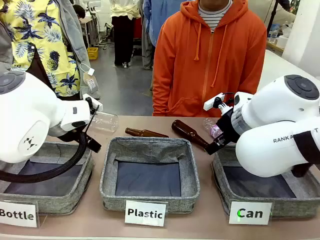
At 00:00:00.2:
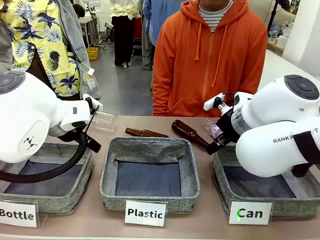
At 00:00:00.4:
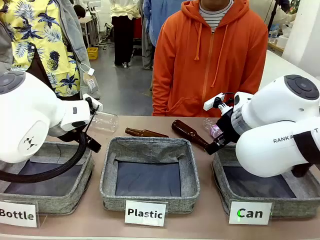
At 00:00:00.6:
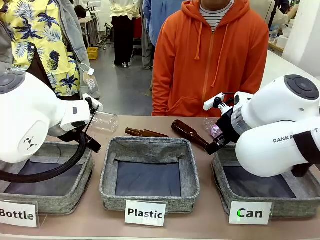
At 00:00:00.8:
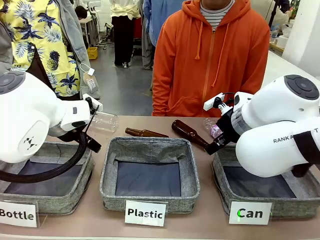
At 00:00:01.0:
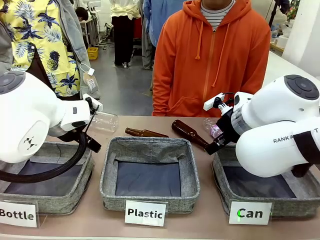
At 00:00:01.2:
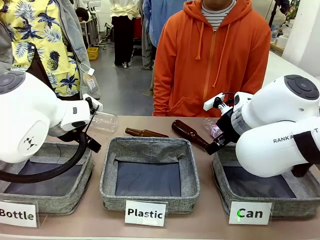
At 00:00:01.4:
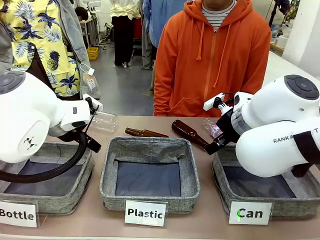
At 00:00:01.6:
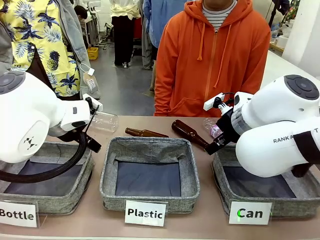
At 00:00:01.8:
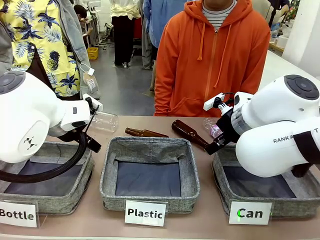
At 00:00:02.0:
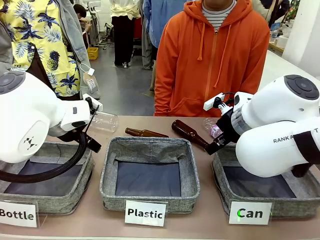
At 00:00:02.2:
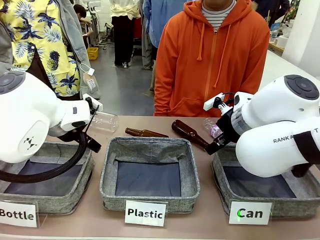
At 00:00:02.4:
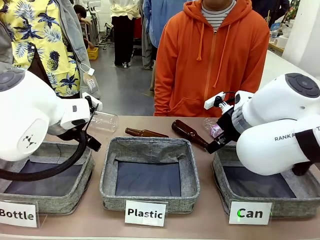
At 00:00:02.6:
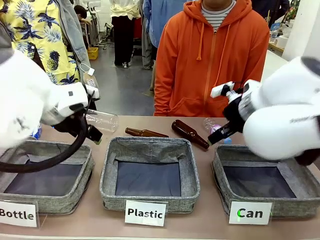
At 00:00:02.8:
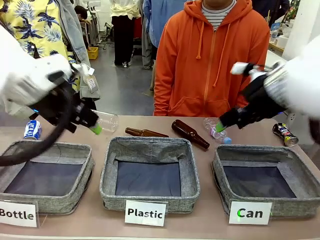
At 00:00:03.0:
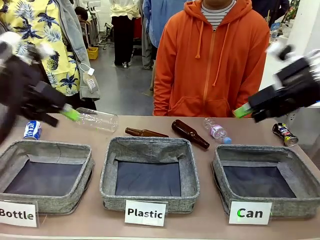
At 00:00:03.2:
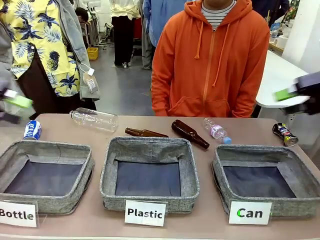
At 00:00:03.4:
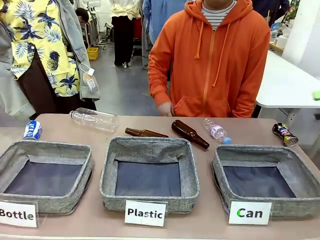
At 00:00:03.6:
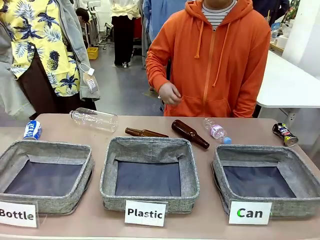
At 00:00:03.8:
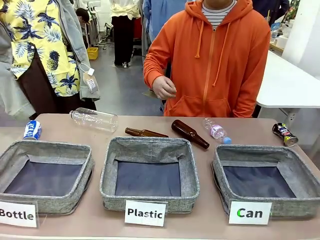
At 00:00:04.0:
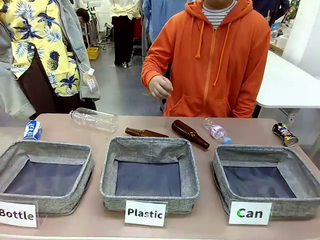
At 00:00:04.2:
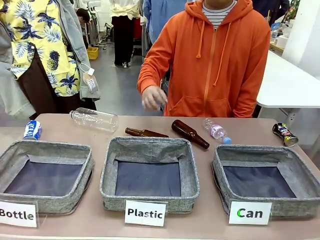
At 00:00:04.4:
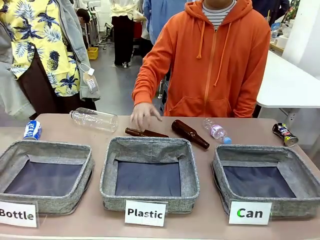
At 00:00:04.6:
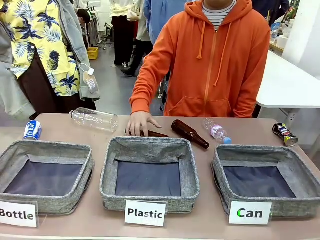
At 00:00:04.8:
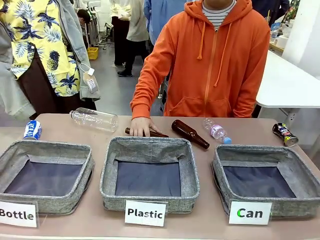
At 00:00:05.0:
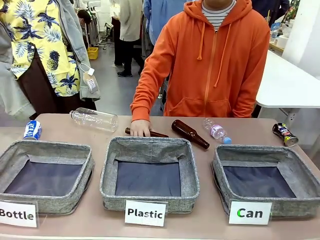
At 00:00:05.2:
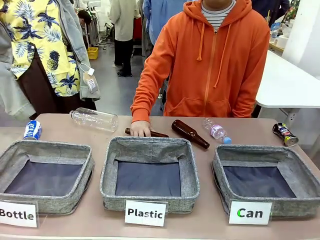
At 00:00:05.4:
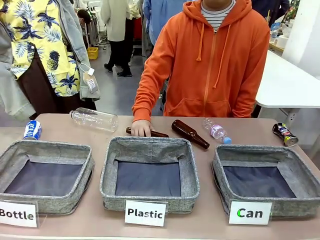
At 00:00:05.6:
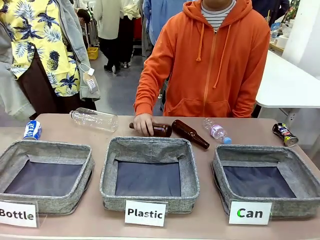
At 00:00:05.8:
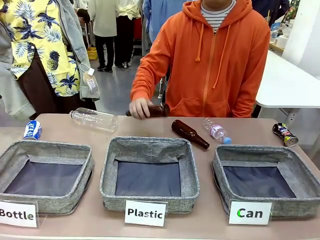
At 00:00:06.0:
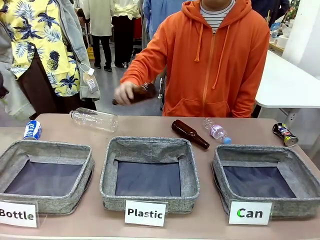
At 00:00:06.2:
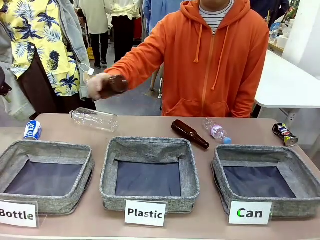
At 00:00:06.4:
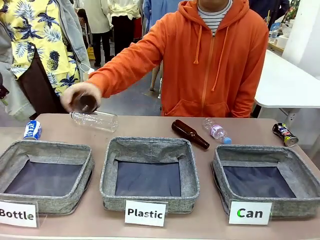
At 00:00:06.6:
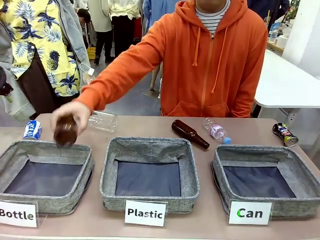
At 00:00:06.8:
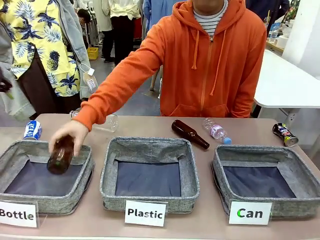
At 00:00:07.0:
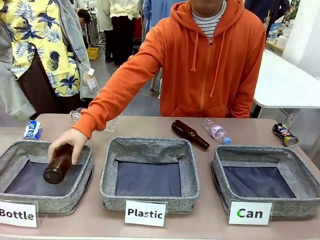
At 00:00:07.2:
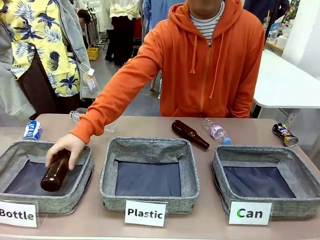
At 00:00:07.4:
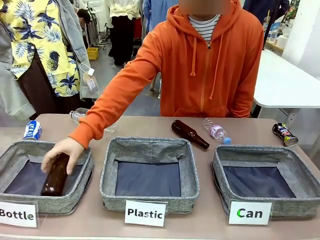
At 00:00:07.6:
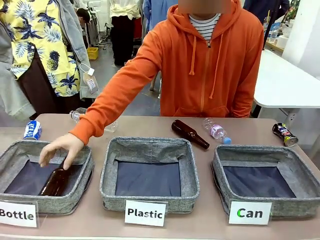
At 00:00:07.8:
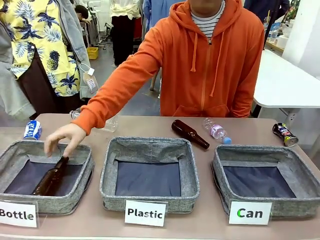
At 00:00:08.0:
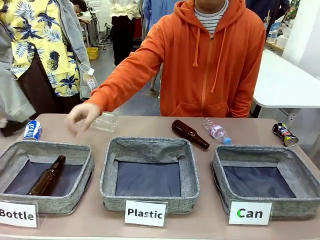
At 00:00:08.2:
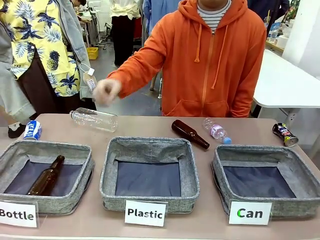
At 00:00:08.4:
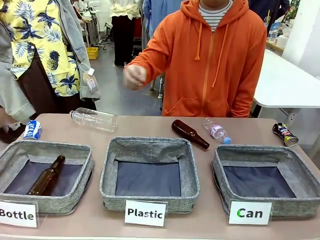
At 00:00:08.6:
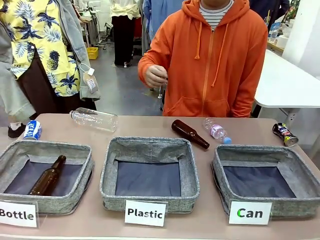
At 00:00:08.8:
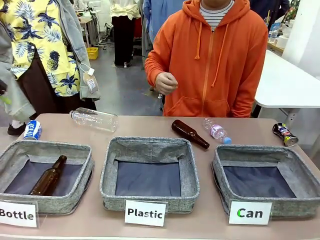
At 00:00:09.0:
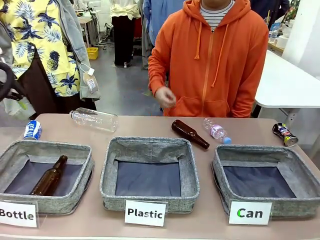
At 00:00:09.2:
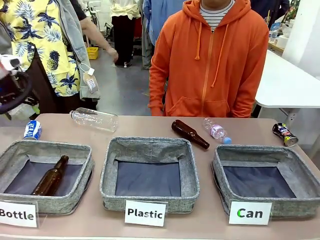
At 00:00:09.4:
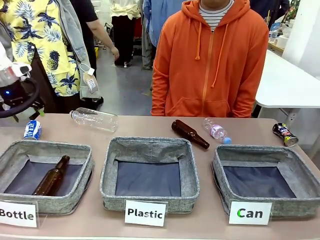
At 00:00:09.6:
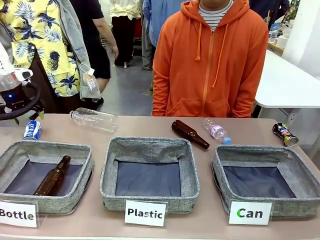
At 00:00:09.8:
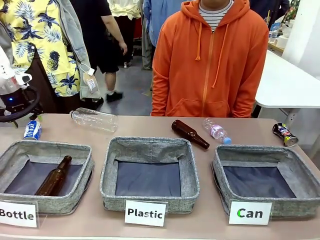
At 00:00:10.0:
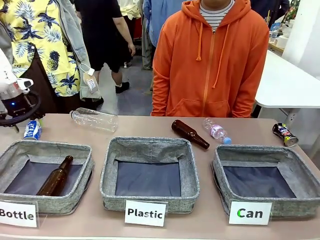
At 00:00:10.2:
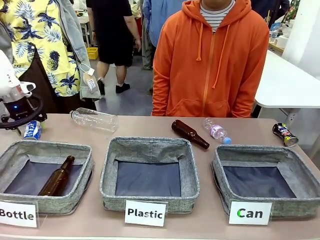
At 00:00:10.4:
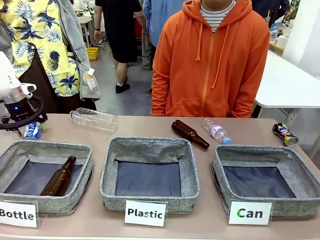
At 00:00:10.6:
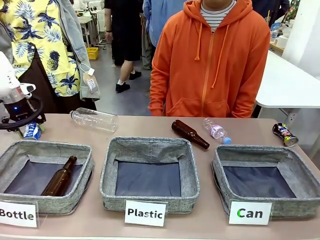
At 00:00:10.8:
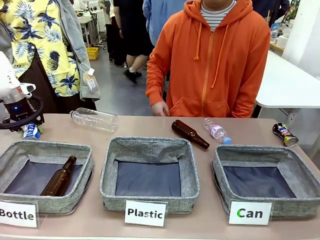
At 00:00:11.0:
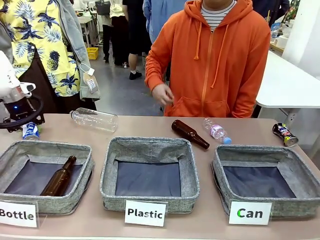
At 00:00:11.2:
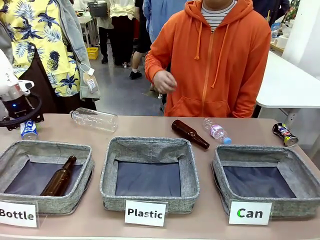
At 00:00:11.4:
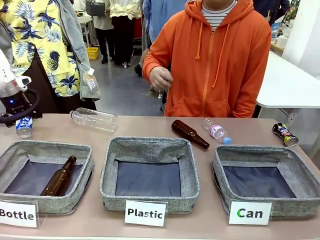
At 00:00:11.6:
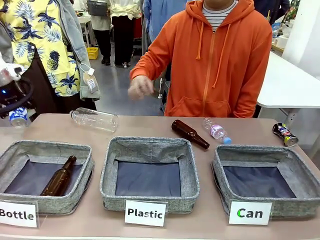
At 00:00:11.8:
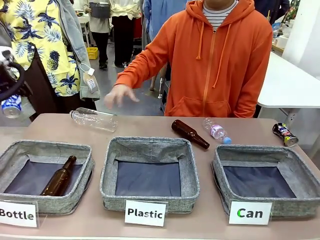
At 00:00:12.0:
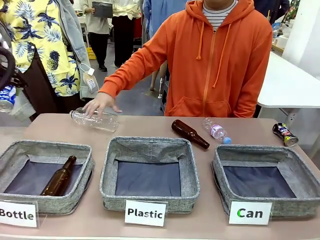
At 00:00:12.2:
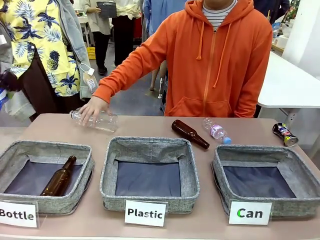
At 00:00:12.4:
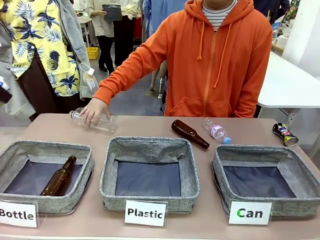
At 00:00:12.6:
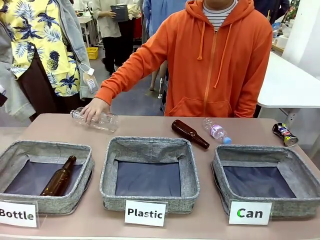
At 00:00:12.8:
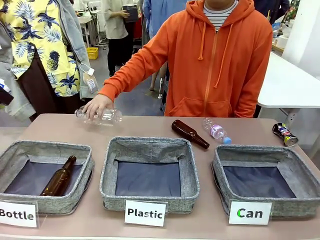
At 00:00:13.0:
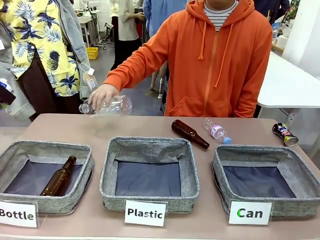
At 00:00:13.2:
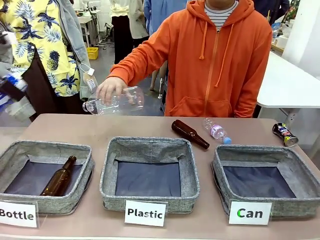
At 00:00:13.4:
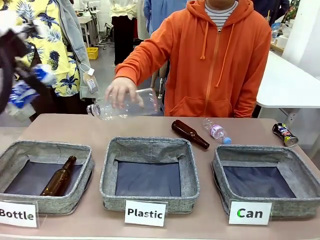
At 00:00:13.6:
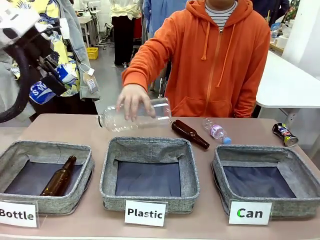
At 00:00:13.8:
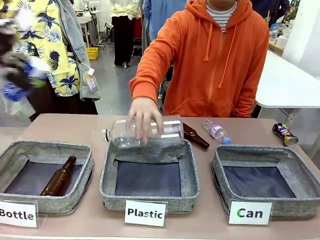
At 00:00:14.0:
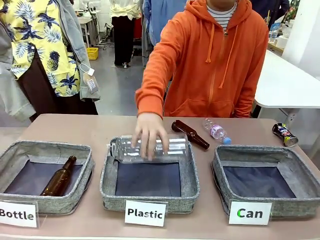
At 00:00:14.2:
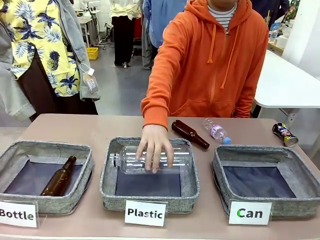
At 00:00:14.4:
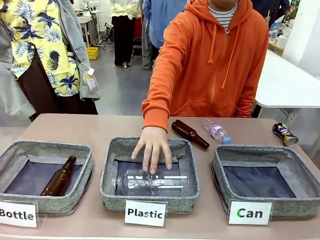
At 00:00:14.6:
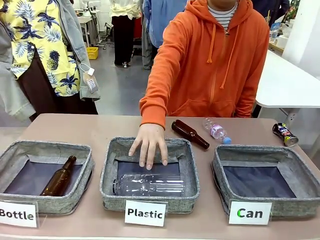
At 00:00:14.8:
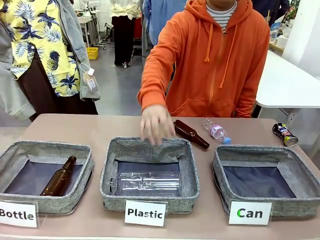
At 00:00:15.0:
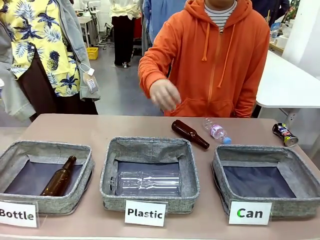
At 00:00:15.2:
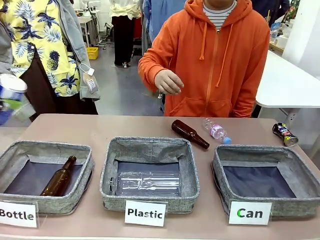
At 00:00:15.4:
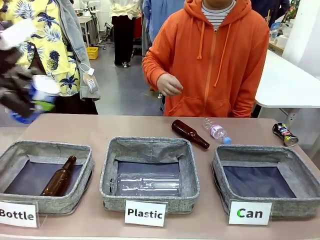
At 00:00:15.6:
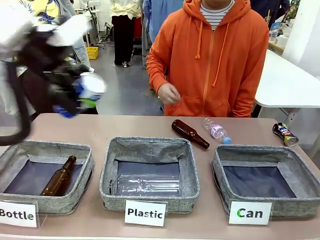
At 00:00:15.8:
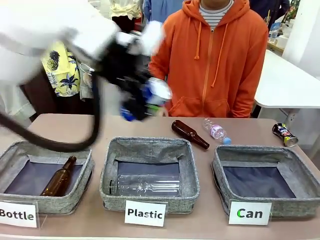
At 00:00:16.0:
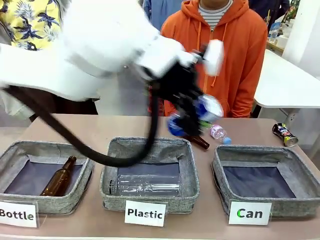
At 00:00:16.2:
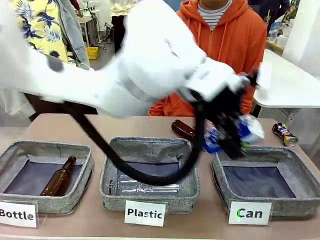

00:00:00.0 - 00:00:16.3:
Task: Sort the can waste into the basket.
Robot: Pick up the can waste from the table and place it in the right Fabric basket.
